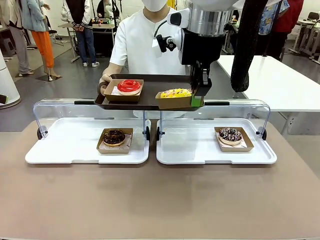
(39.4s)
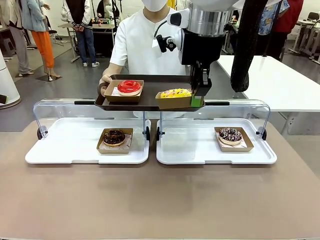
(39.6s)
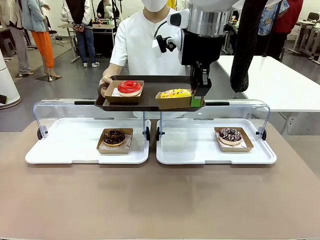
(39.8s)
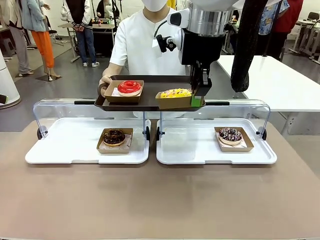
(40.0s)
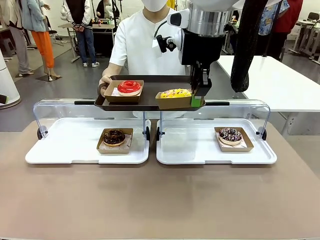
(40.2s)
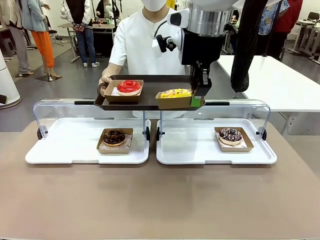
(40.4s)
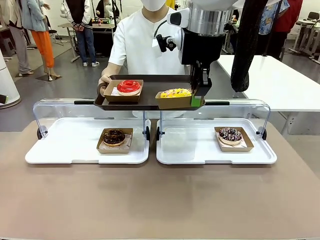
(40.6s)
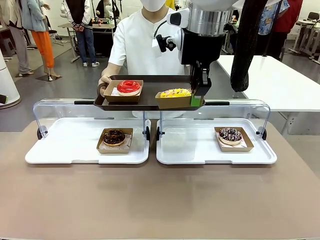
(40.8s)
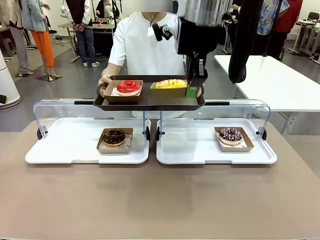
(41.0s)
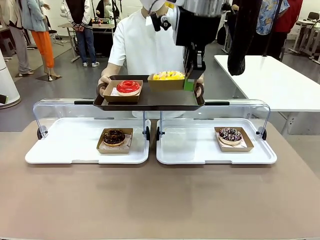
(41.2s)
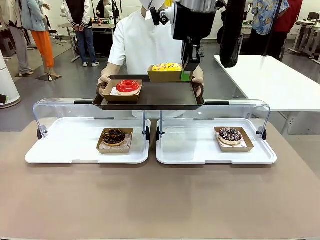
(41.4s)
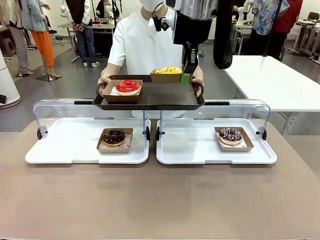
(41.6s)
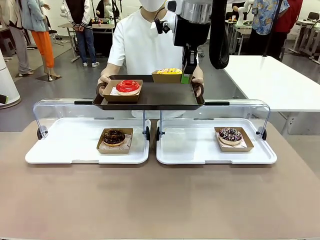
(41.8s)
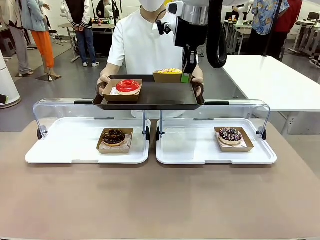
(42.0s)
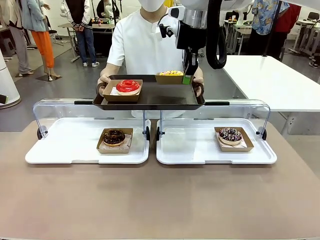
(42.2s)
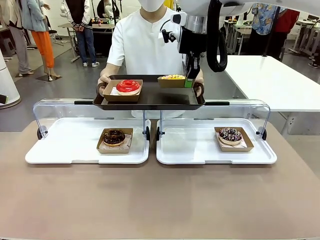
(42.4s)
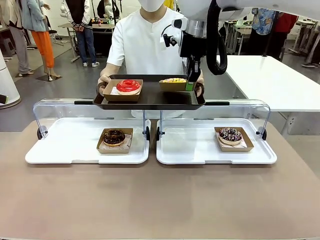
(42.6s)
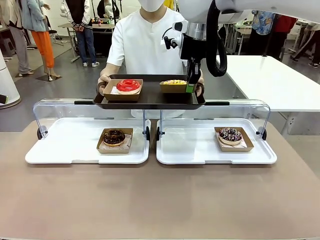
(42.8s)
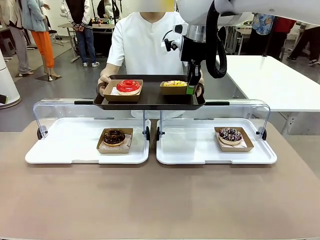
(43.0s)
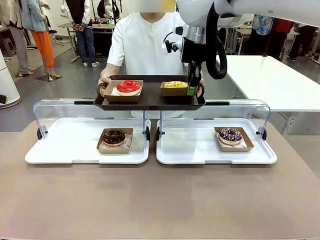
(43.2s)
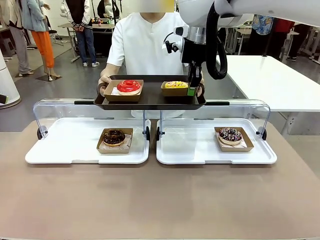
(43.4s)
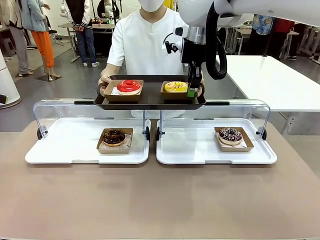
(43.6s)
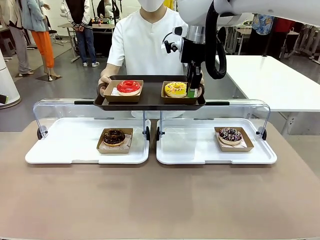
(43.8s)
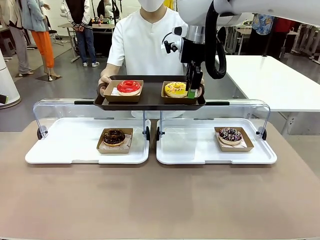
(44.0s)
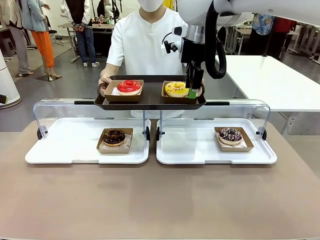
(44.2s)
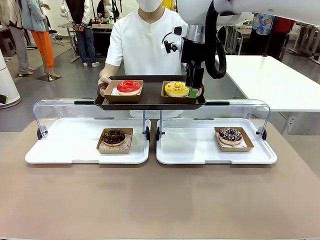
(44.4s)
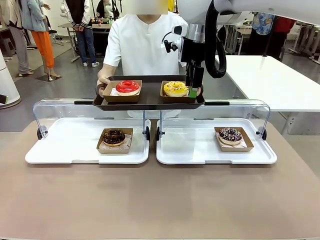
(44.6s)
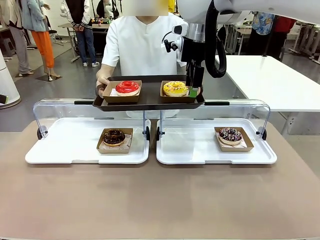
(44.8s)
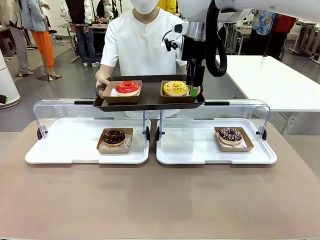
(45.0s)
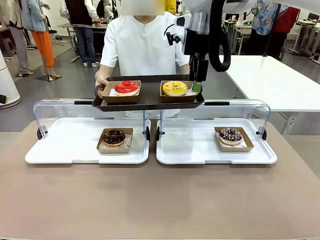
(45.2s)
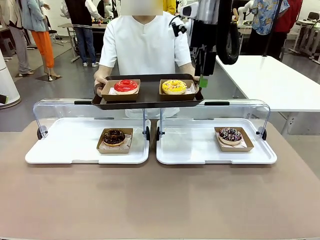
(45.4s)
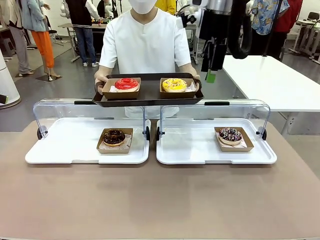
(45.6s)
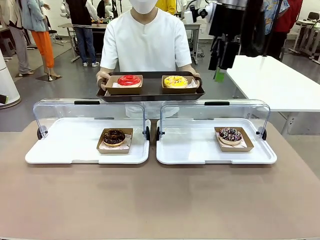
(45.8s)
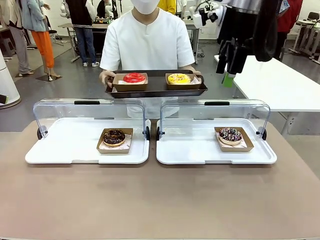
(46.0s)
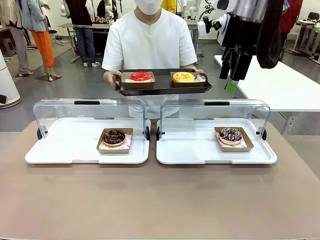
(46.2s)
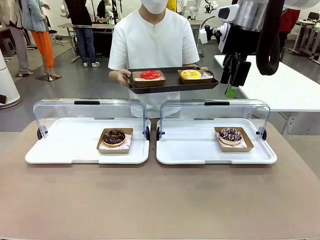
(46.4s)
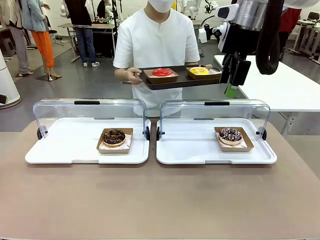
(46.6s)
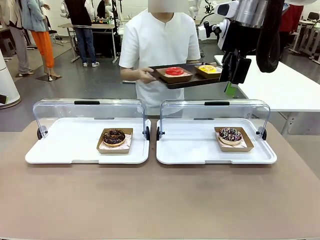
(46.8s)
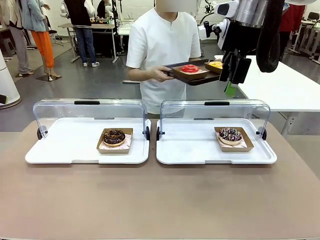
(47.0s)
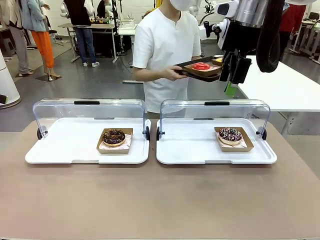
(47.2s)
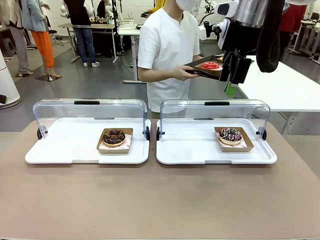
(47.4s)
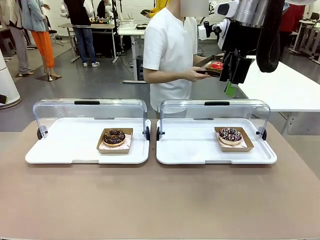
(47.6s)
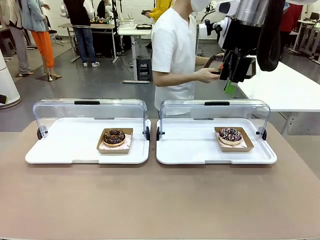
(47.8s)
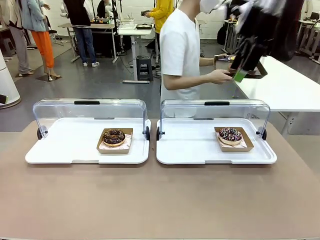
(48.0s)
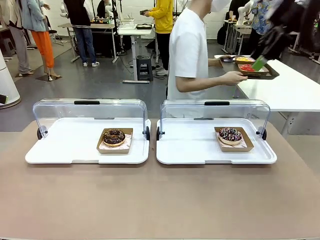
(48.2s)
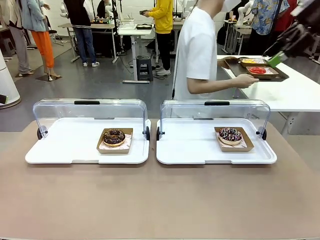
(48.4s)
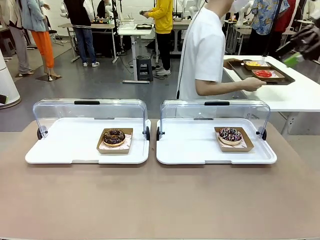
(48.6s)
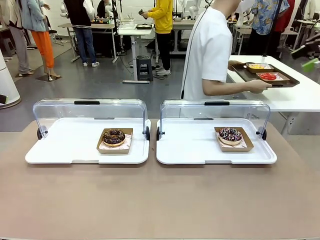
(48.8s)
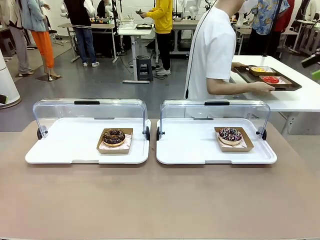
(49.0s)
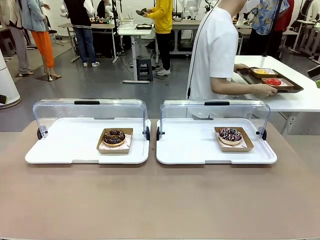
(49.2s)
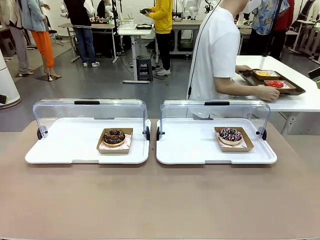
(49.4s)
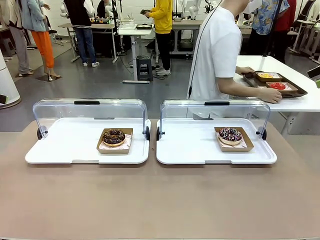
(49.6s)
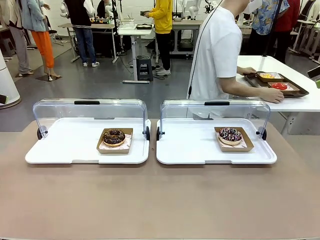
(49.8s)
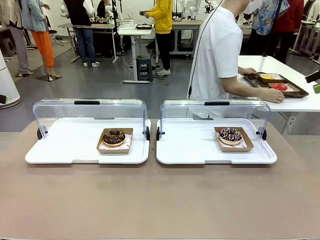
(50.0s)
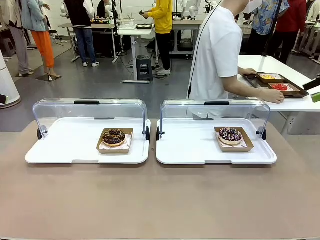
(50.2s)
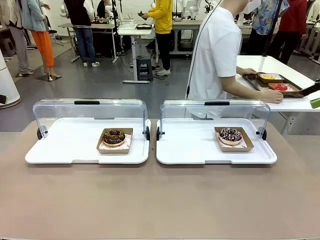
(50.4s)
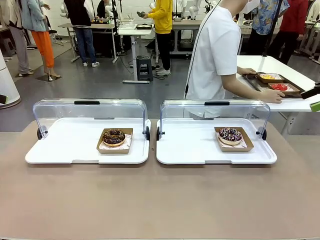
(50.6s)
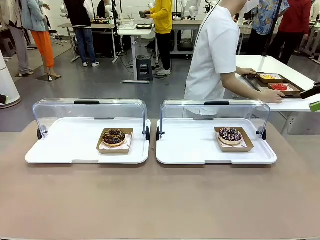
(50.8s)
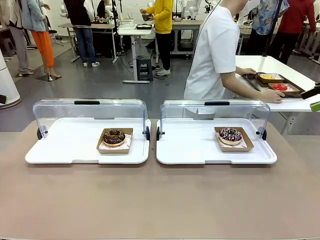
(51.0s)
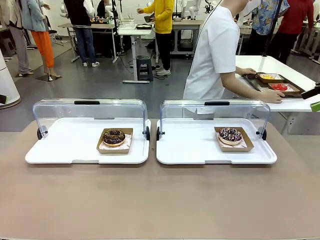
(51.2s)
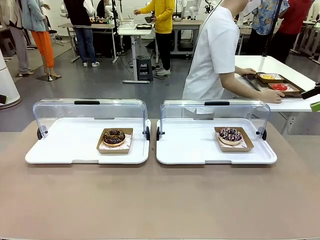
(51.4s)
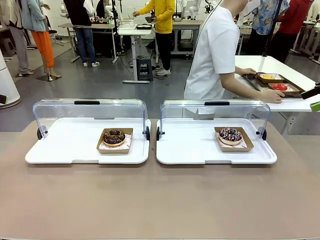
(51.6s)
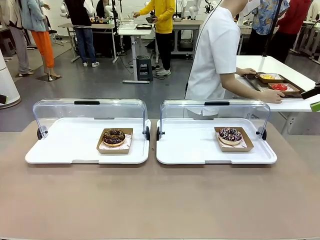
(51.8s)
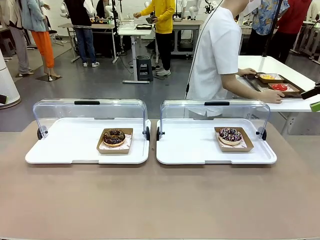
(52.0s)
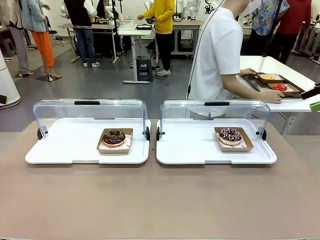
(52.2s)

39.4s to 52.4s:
Task: Provide the desired donut to the person.
Robot: Place the picked Paper togo box onto the Handle tray extended by the person.
Person: Place the tray in the middle of the human table.

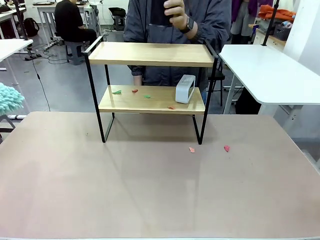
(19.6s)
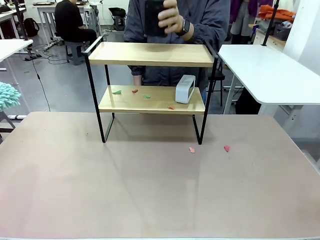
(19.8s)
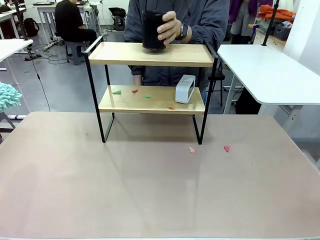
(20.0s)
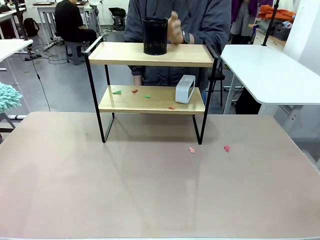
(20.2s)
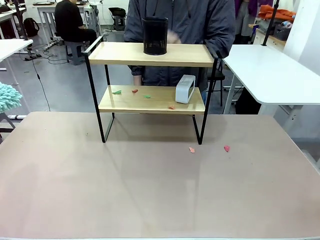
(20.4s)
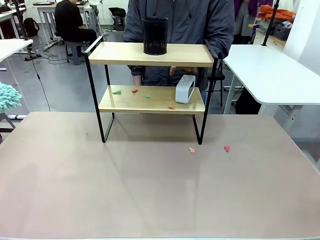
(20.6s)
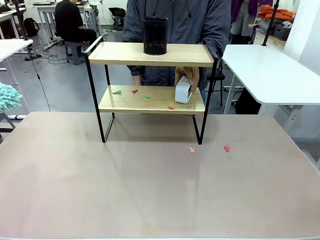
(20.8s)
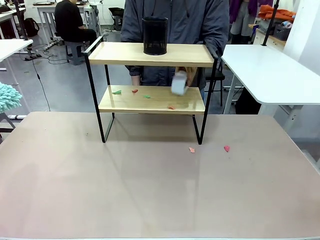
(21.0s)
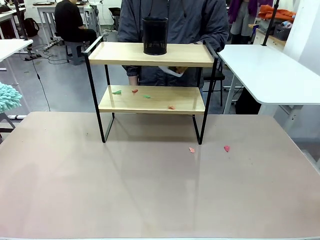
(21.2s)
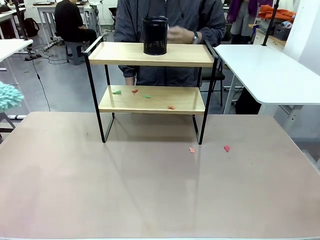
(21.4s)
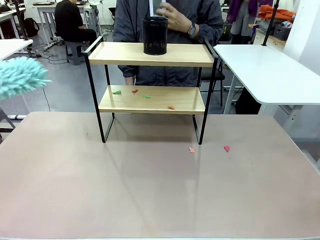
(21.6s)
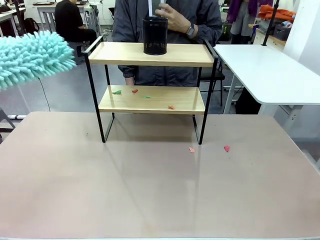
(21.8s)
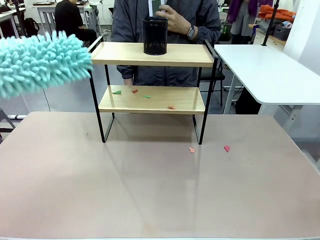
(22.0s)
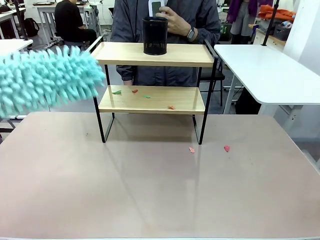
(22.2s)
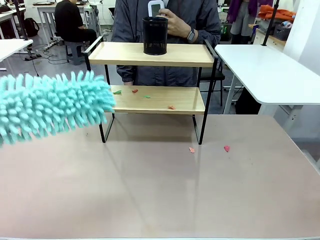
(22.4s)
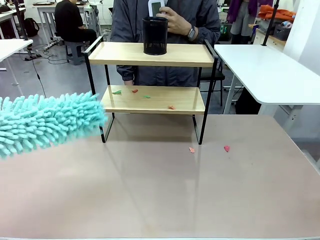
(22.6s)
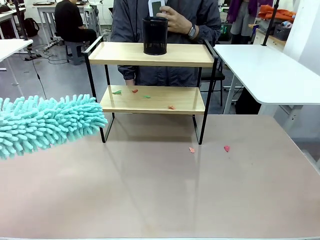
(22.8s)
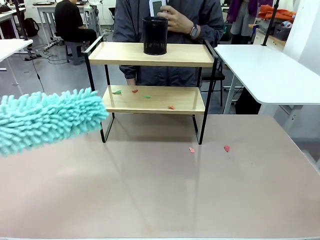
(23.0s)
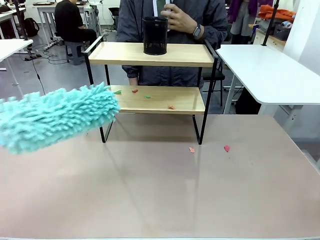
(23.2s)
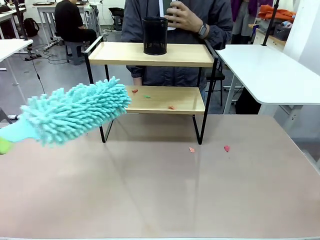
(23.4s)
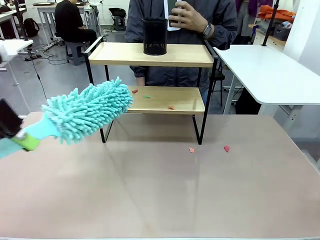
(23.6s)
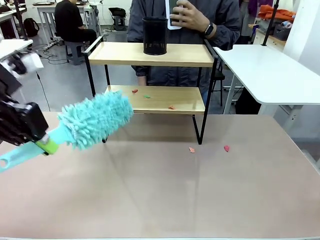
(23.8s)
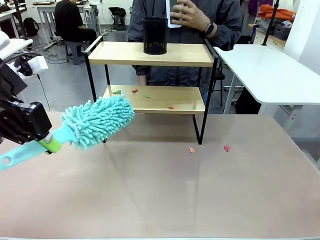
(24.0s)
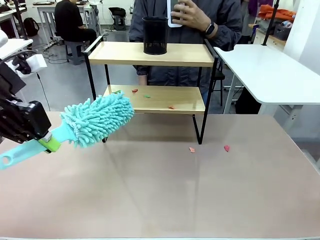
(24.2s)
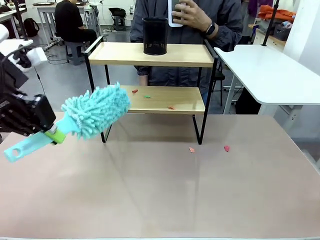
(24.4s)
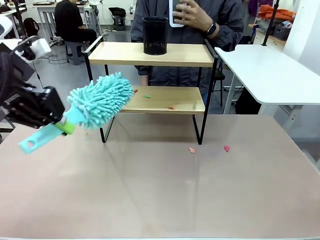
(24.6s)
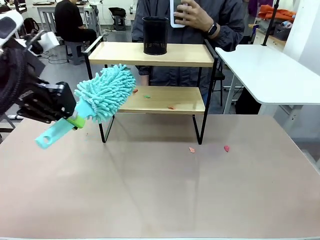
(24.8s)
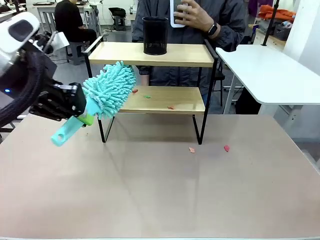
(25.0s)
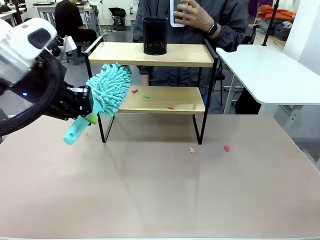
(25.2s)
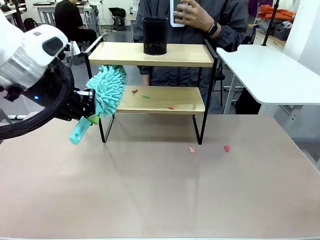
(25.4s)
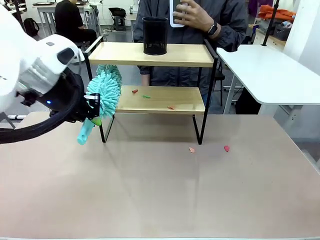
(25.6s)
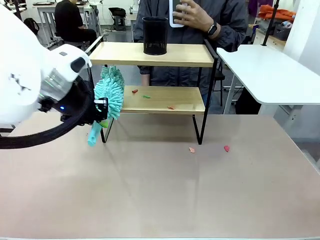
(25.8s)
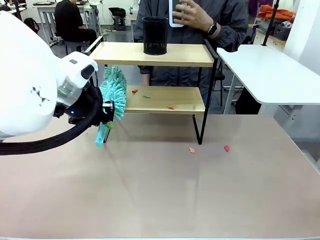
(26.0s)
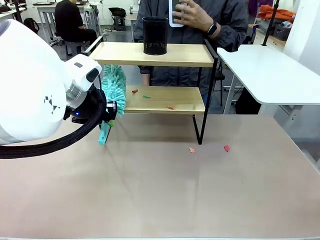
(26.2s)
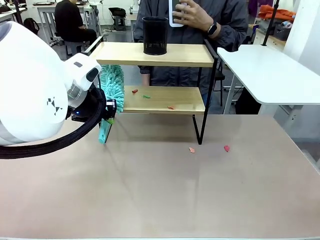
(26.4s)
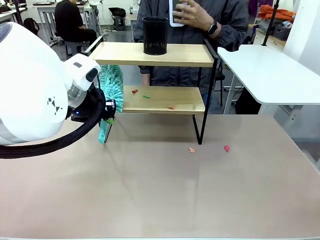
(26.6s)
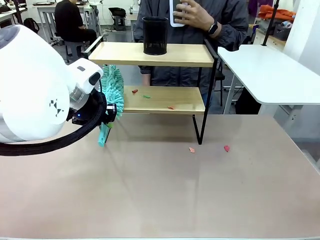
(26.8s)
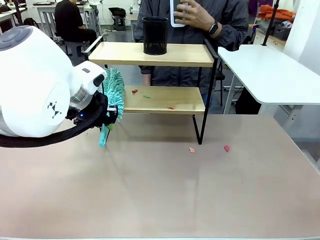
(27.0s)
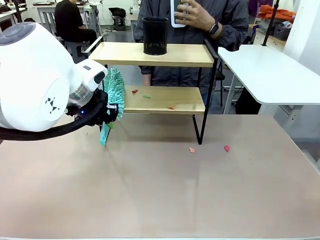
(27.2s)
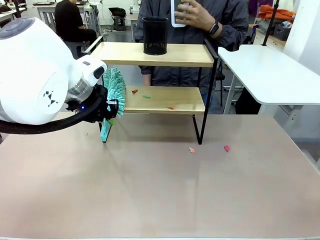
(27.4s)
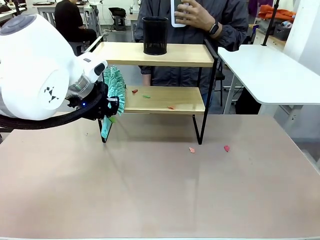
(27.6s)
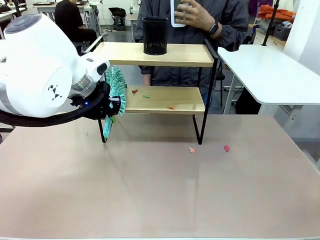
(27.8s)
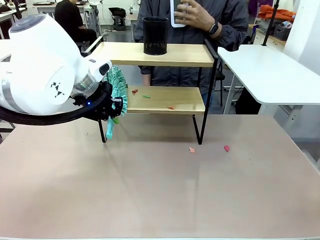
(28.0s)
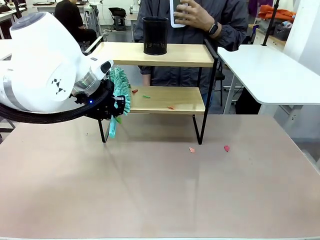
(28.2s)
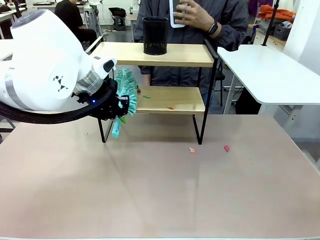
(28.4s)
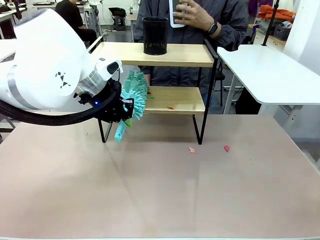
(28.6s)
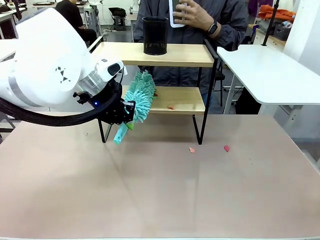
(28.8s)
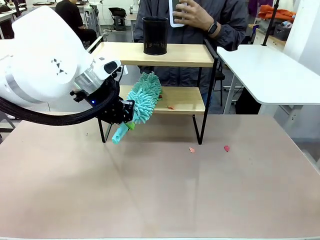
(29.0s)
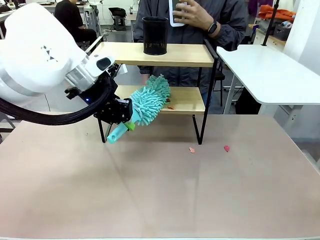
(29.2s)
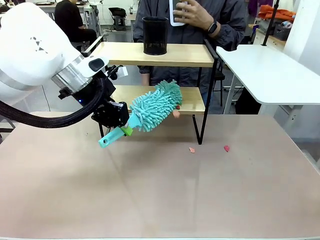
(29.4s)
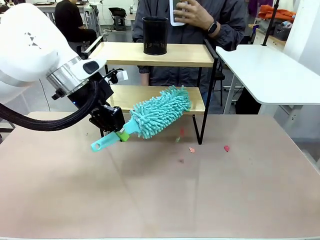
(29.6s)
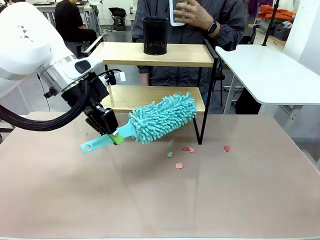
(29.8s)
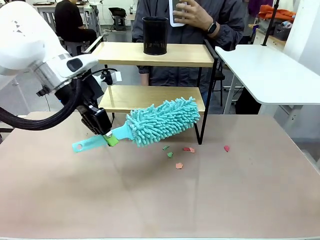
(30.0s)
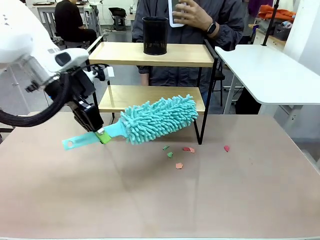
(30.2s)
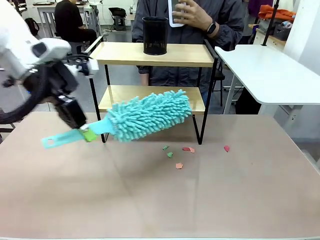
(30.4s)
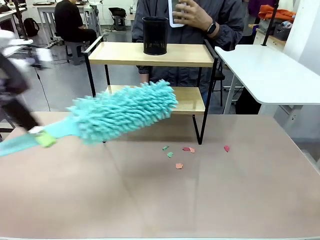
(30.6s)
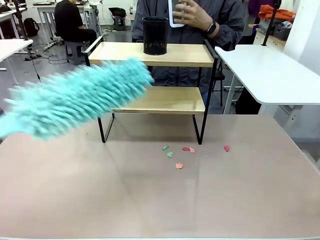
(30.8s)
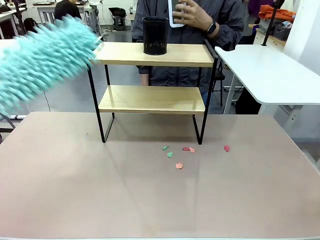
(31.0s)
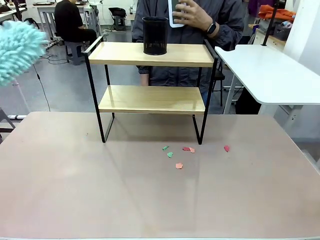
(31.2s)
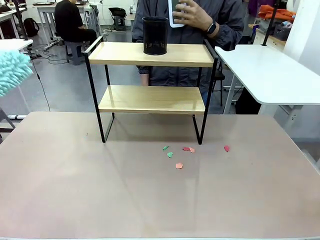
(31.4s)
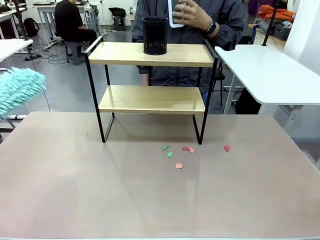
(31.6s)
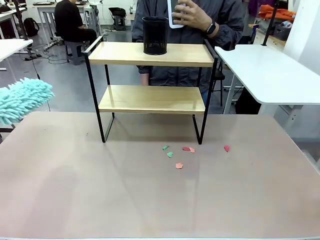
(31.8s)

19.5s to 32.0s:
Task: Clean the shelf.
Robot: Clean the remaining tier of the Shelf with the Duster once objects are removed.
